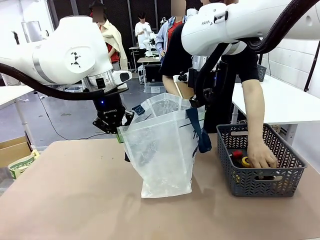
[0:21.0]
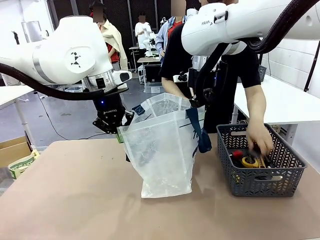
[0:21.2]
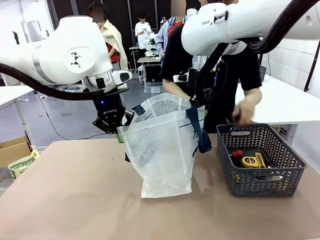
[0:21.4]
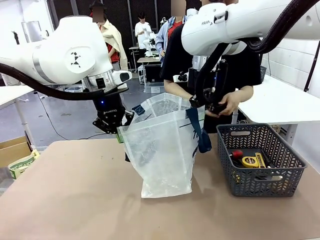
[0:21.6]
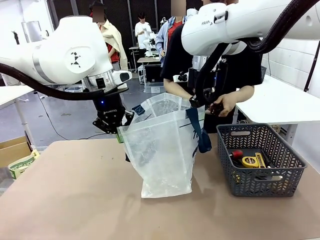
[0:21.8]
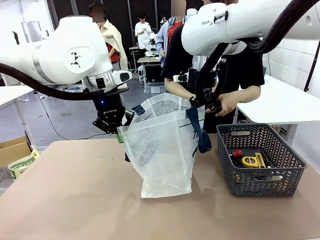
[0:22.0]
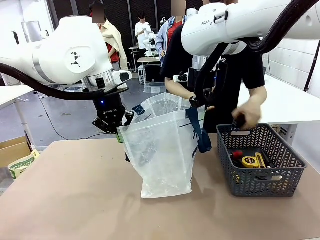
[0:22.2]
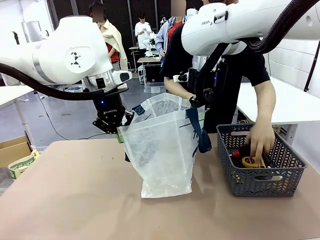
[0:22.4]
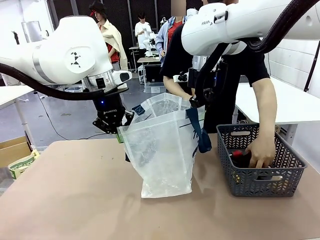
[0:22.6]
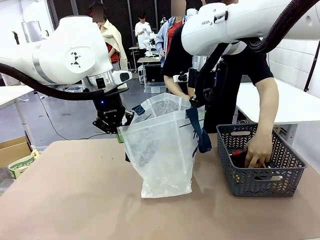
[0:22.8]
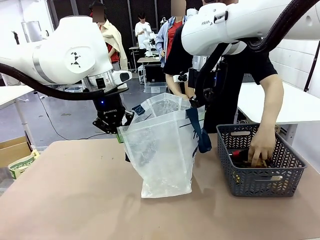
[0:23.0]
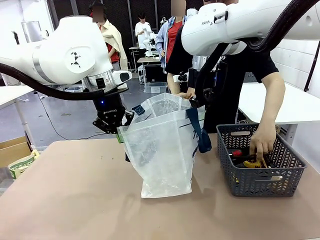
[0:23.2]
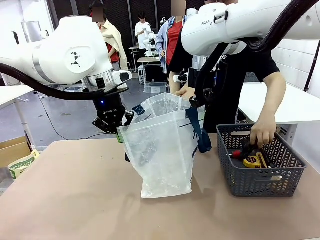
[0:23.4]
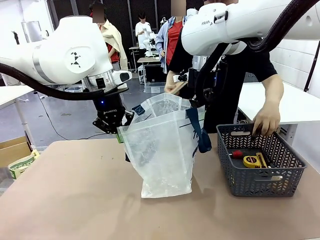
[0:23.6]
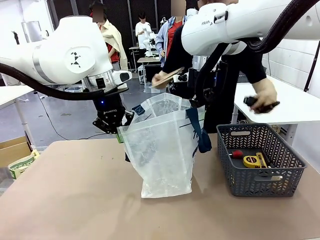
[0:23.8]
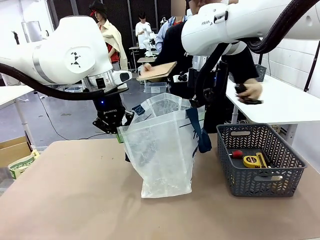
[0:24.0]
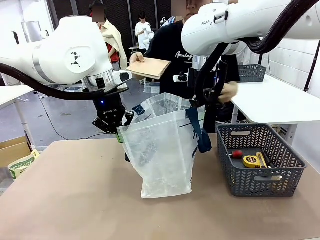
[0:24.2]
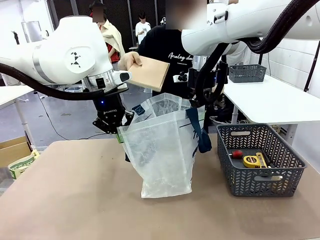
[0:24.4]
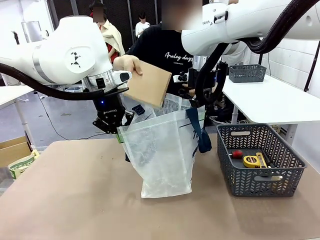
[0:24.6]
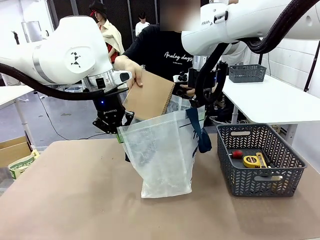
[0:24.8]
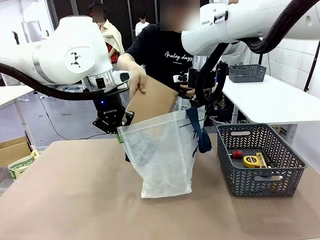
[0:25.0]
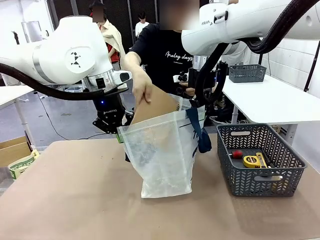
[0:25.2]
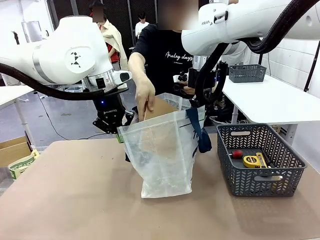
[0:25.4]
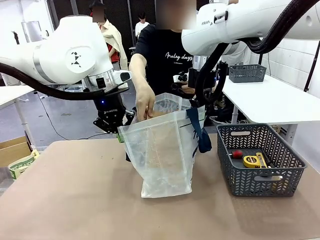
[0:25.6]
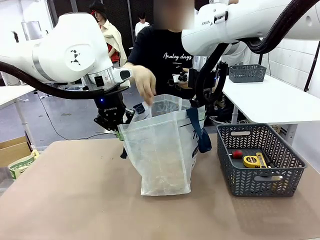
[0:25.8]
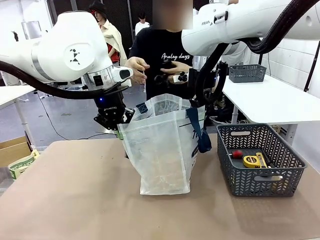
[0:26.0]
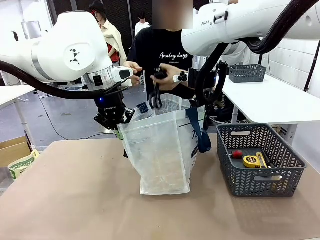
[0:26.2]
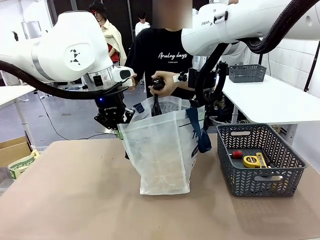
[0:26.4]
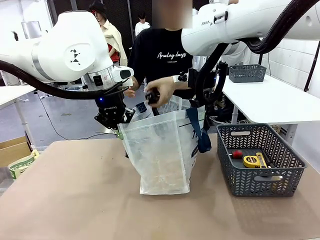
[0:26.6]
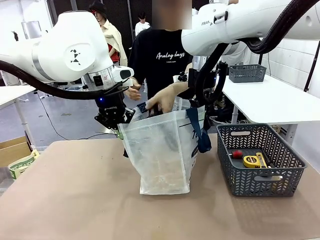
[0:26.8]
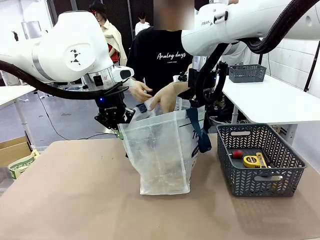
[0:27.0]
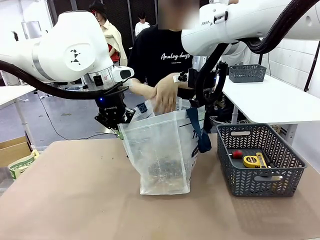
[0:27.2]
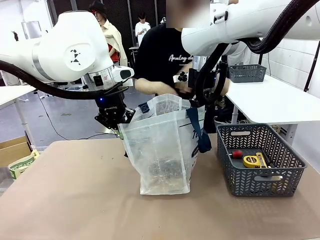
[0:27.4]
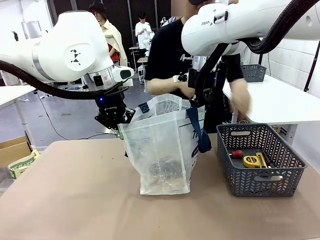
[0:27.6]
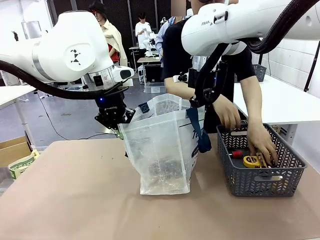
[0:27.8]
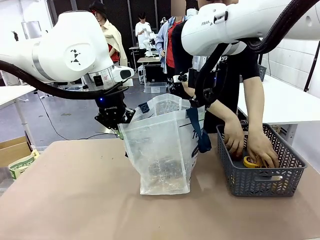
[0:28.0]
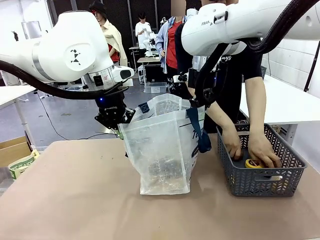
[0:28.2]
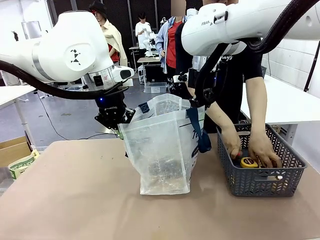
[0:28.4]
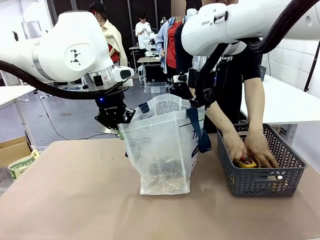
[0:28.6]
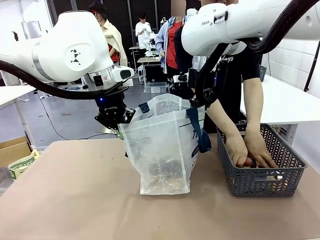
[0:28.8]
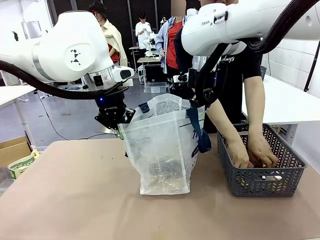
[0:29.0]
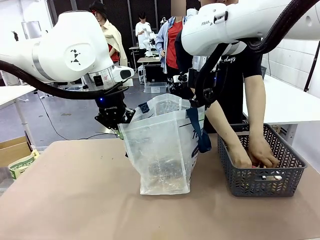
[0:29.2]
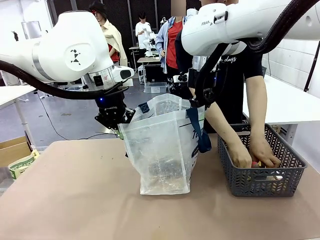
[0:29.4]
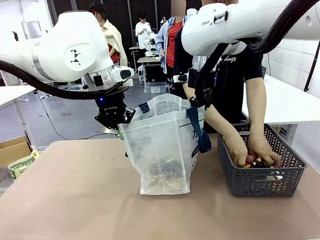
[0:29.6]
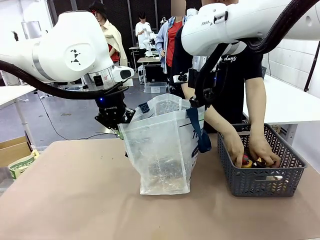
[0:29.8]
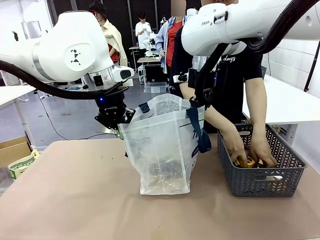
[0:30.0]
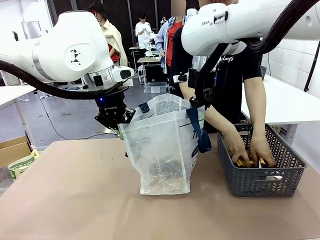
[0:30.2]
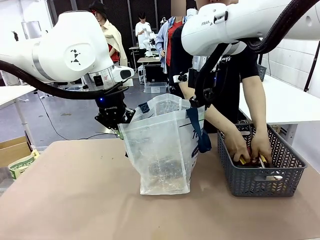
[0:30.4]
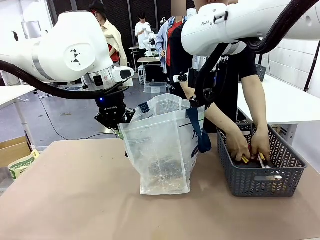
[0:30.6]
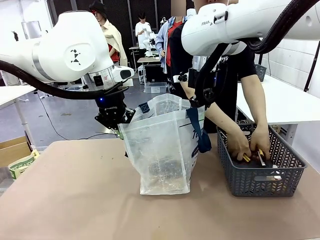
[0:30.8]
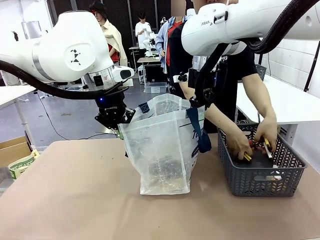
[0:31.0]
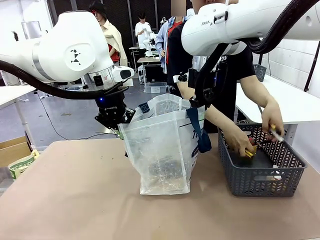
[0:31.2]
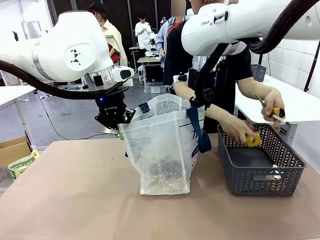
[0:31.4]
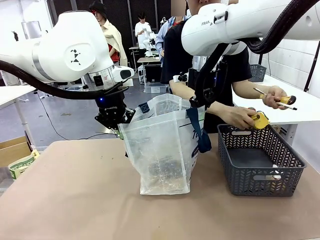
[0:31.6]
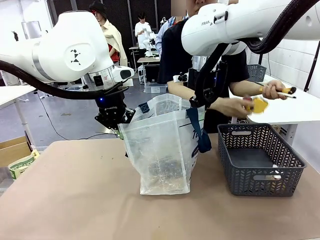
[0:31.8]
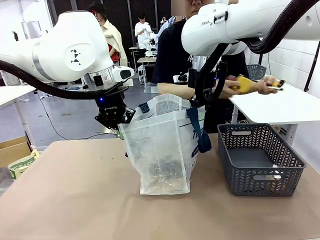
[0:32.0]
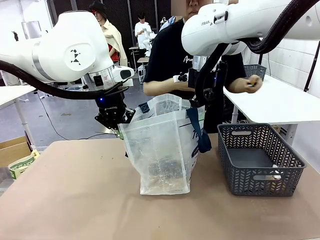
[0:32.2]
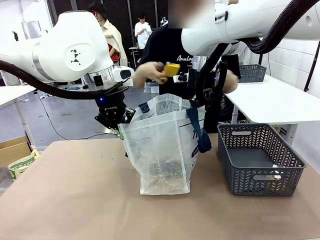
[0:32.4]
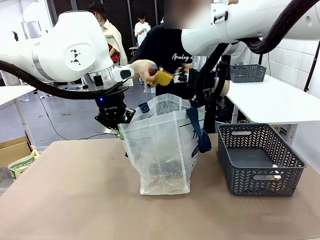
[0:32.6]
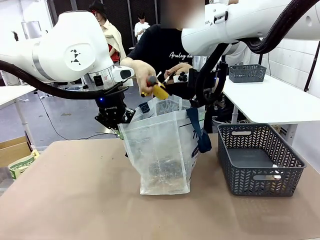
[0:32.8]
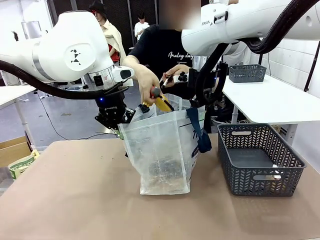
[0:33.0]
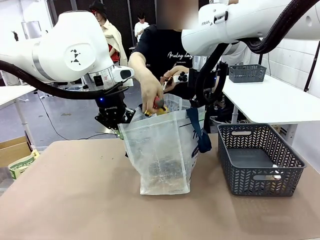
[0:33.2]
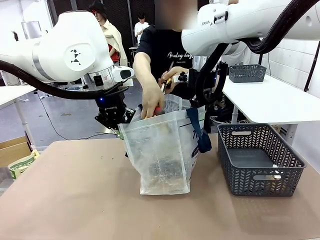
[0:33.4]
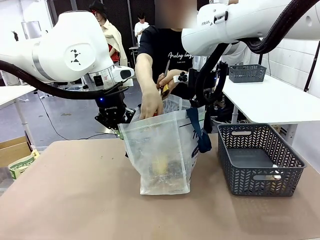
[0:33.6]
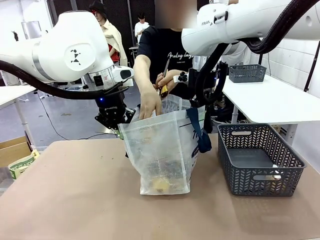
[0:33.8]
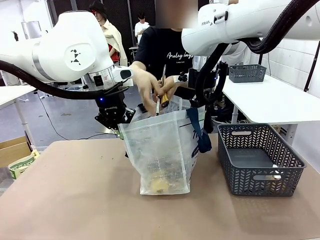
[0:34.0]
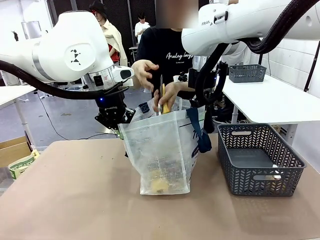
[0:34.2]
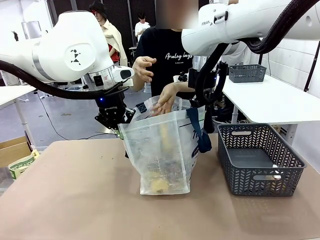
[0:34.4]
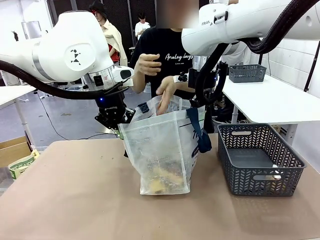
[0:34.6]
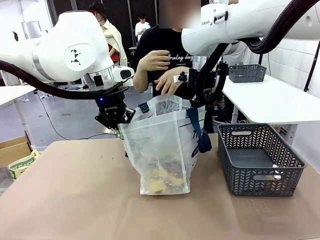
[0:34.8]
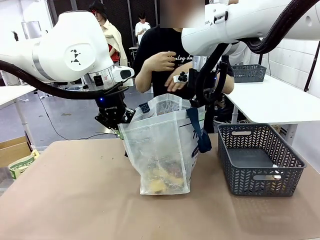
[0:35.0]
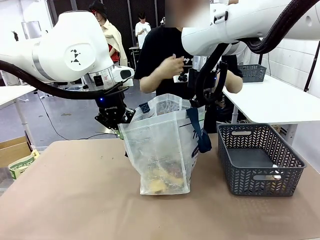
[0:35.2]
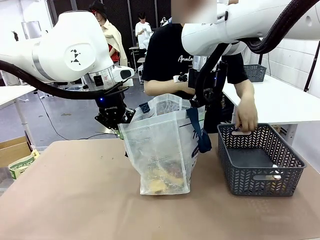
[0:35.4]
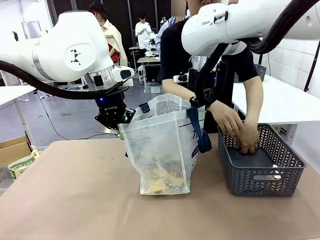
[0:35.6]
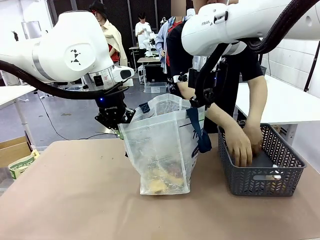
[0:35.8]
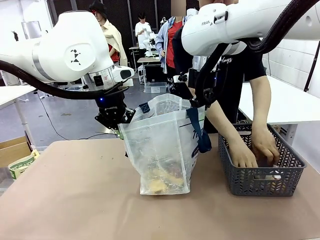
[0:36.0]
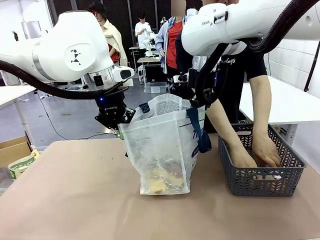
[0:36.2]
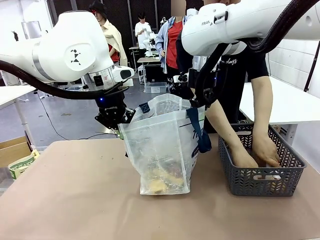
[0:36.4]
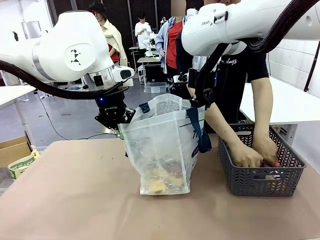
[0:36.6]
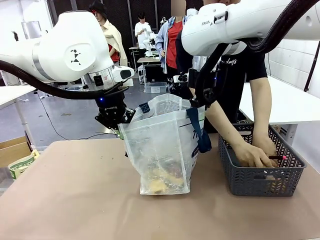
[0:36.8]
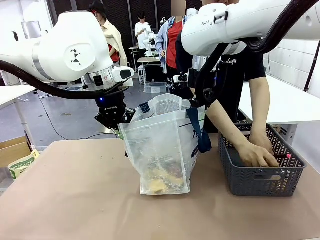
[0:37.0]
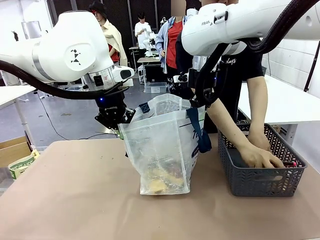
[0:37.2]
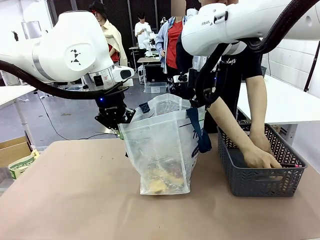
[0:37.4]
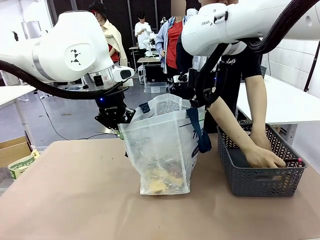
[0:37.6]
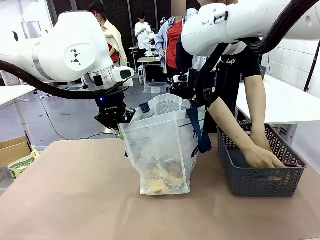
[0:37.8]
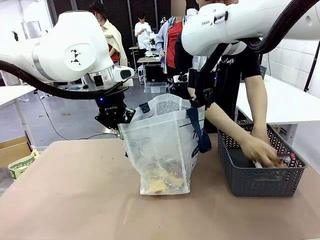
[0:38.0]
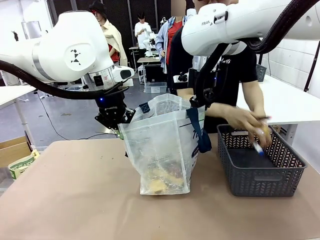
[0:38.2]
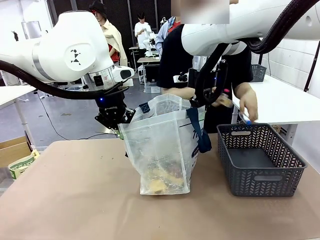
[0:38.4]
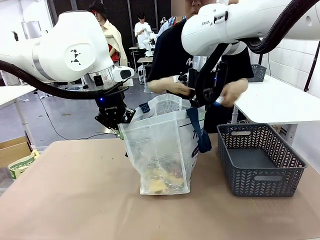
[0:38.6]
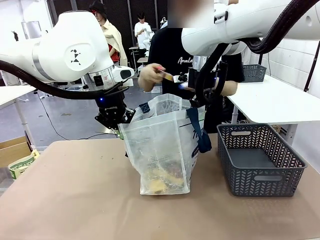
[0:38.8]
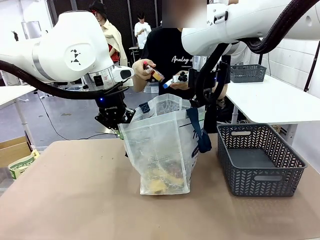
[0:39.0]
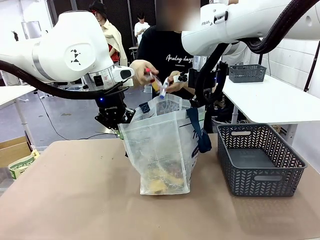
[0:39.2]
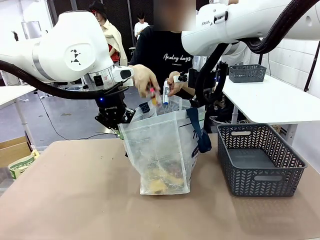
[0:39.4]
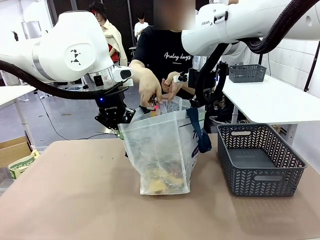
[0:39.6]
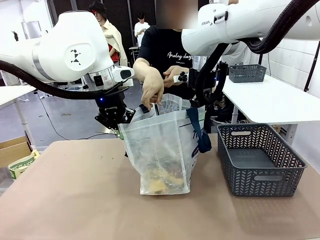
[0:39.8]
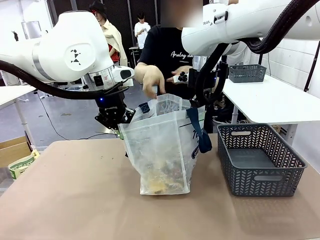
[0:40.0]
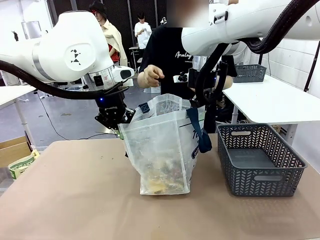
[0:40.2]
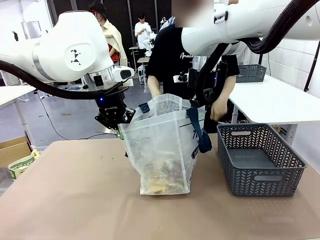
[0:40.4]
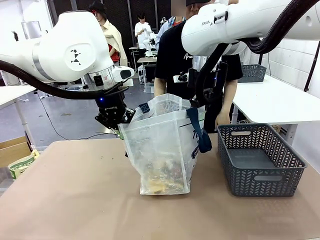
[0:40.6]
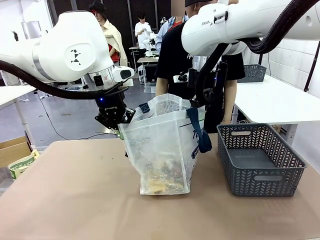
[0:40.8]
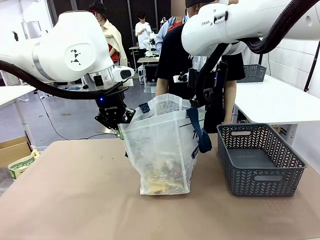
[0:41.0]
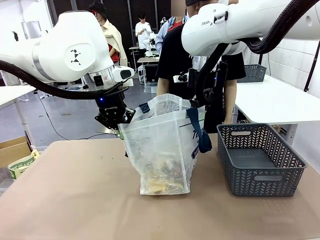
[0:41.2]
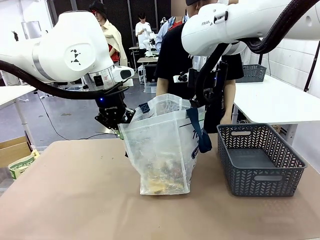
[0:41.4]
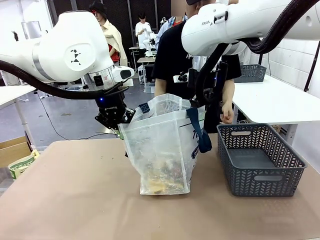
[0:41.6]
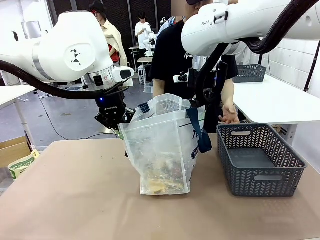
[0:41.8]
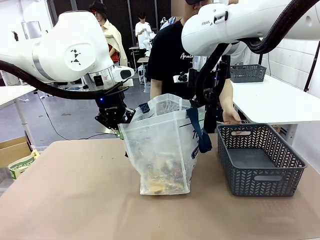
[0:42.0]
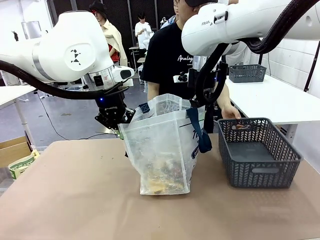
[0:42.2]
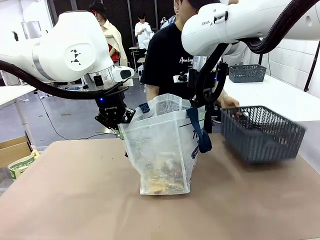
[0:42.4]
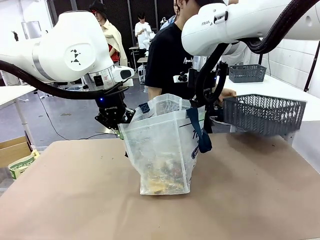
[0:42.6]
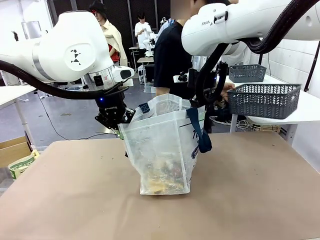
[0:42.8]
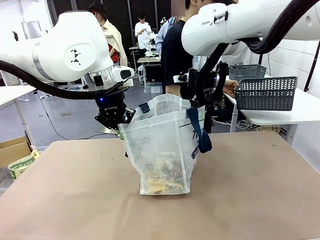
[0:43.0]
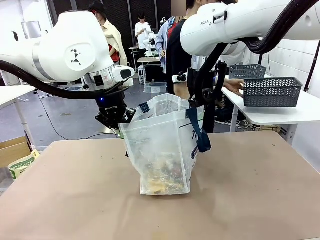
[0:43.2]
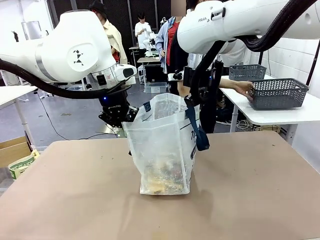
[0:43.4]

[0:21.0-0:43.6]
Task: Transfer purchased items from the store into the shopping bag.
Robot: Move the Reusable shopping bag to the right side of the table.
Person: Pick up the basket on the right, place it on the left side of the robot table, and move the items in the basket to the shopping bag. Pick up the basket with the items out and place it on the right side of the human table.
